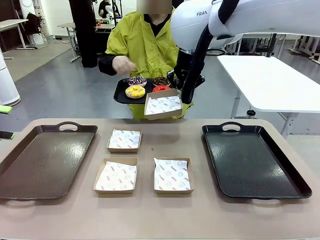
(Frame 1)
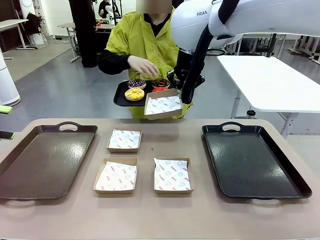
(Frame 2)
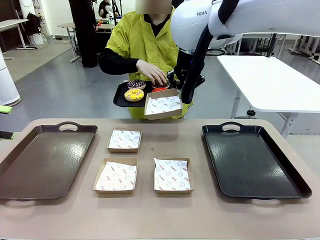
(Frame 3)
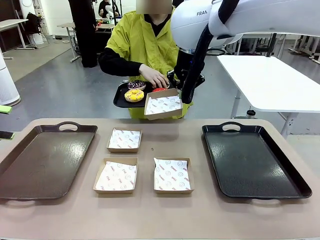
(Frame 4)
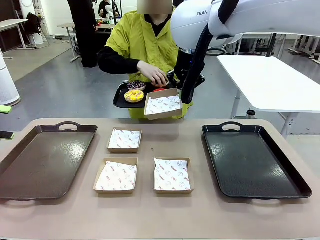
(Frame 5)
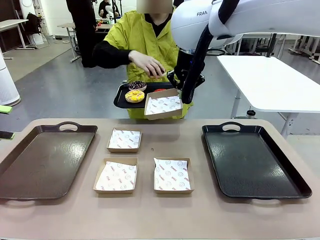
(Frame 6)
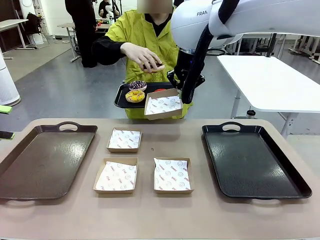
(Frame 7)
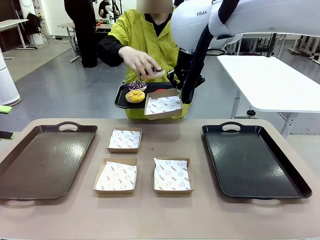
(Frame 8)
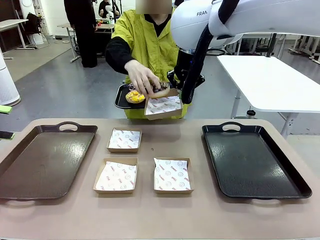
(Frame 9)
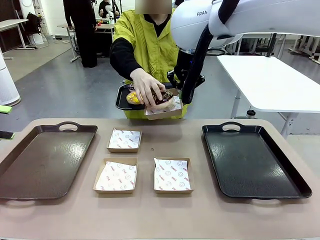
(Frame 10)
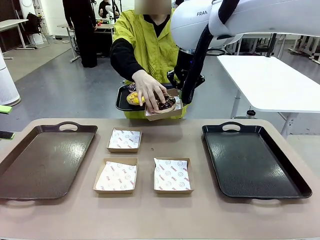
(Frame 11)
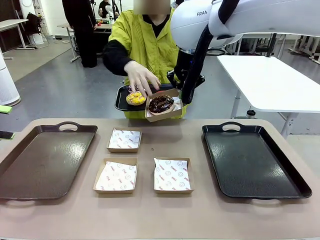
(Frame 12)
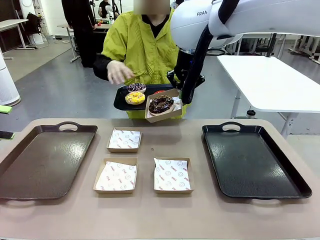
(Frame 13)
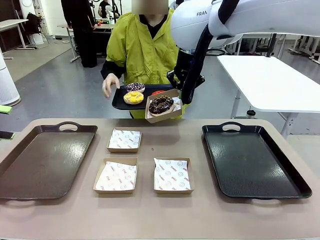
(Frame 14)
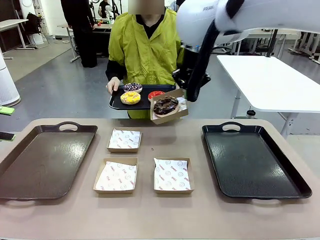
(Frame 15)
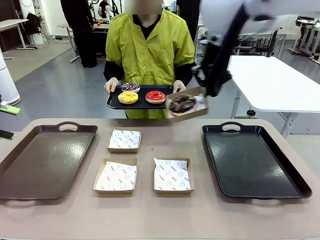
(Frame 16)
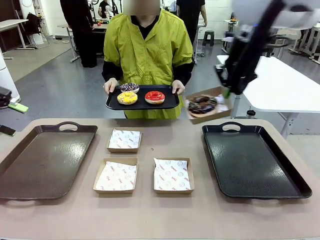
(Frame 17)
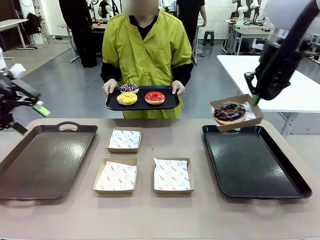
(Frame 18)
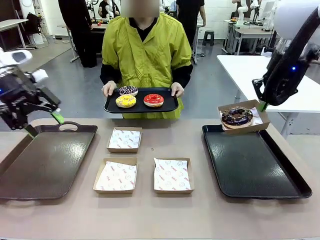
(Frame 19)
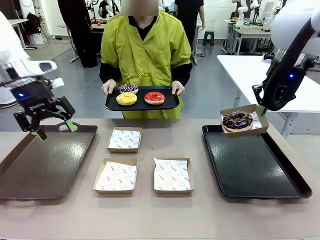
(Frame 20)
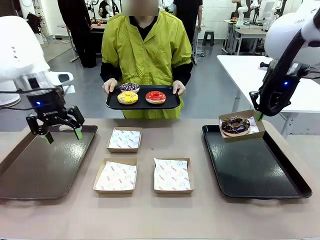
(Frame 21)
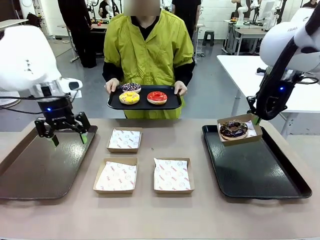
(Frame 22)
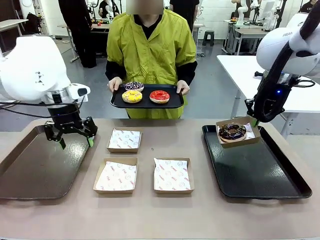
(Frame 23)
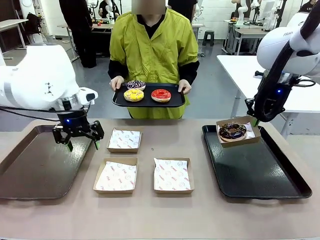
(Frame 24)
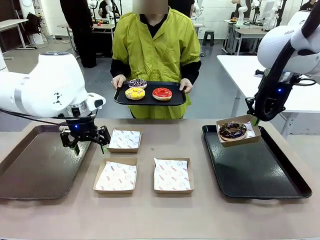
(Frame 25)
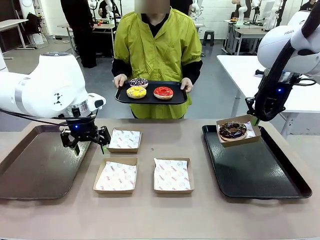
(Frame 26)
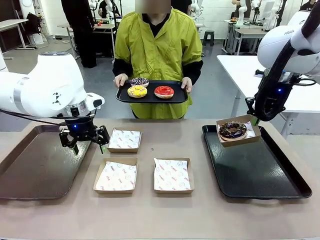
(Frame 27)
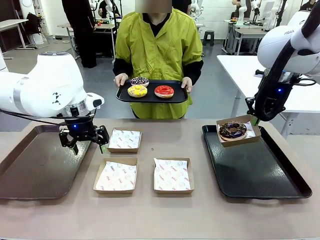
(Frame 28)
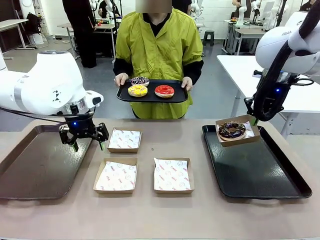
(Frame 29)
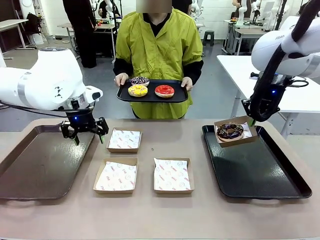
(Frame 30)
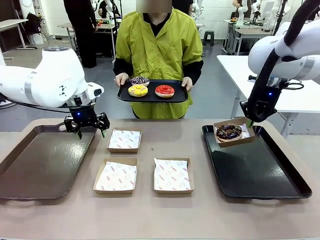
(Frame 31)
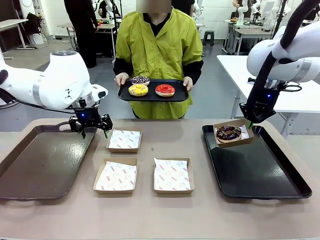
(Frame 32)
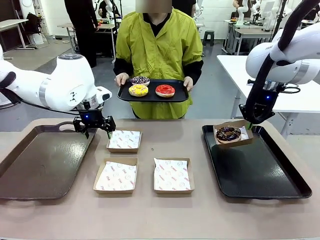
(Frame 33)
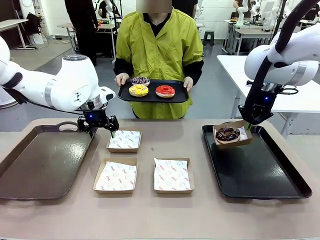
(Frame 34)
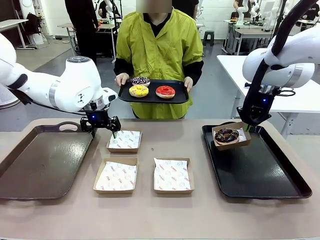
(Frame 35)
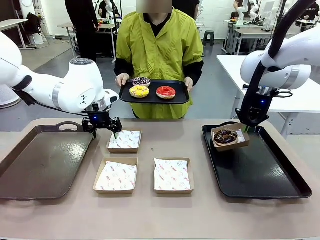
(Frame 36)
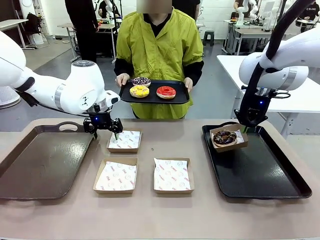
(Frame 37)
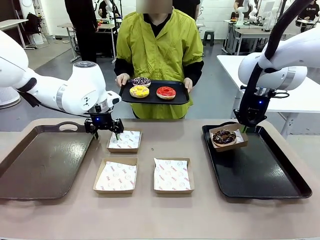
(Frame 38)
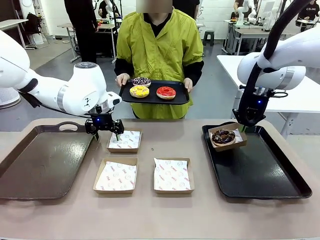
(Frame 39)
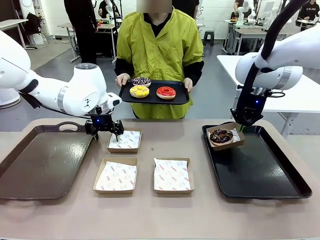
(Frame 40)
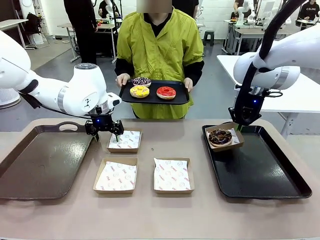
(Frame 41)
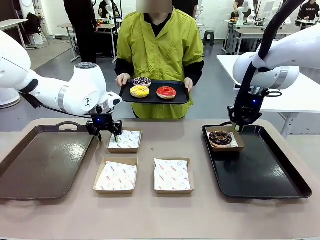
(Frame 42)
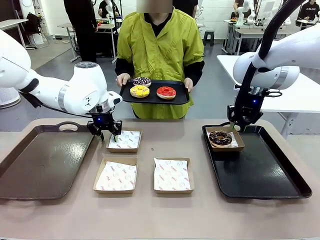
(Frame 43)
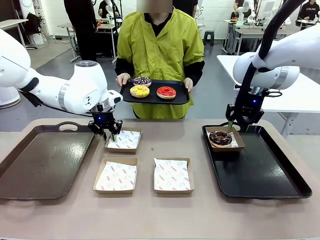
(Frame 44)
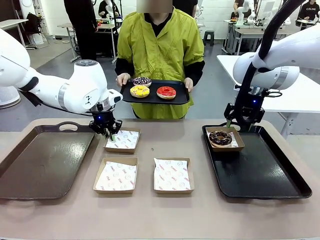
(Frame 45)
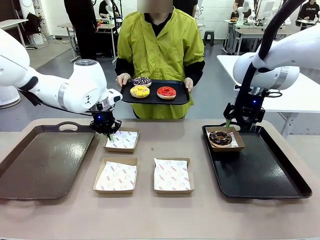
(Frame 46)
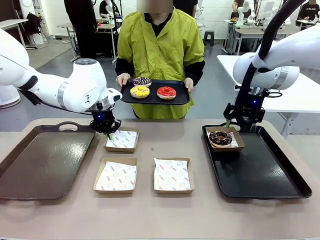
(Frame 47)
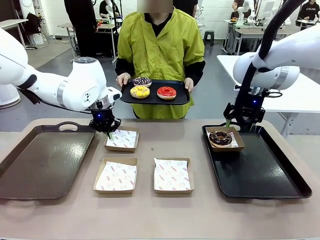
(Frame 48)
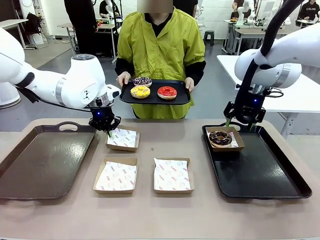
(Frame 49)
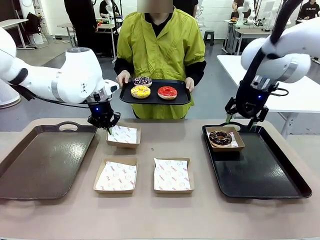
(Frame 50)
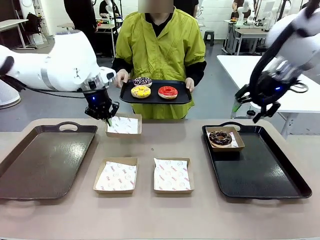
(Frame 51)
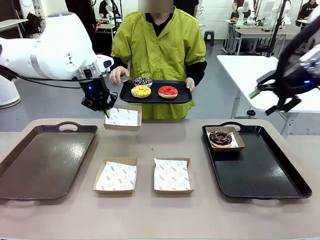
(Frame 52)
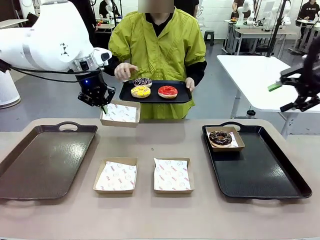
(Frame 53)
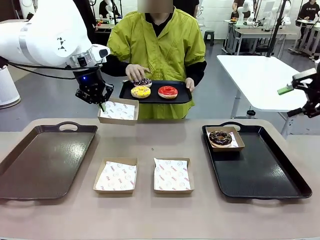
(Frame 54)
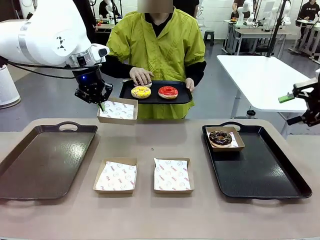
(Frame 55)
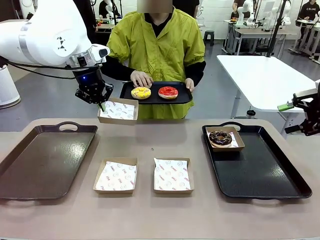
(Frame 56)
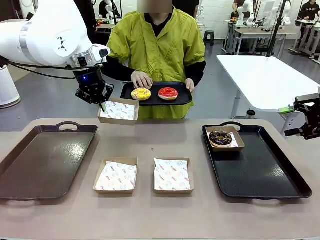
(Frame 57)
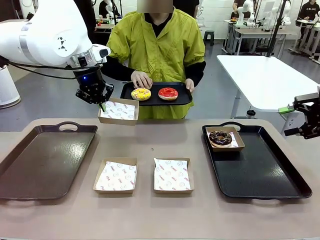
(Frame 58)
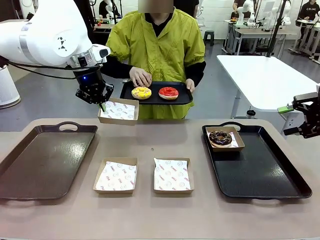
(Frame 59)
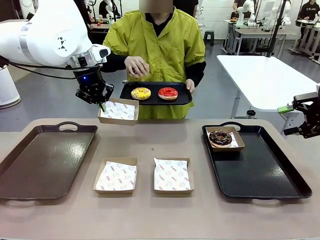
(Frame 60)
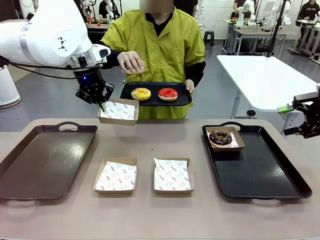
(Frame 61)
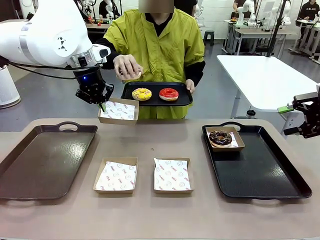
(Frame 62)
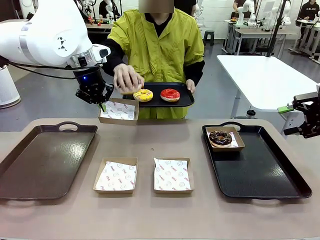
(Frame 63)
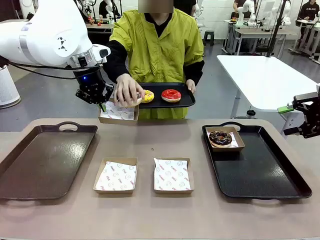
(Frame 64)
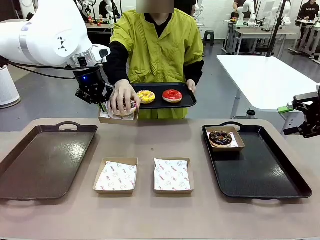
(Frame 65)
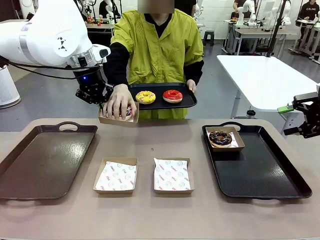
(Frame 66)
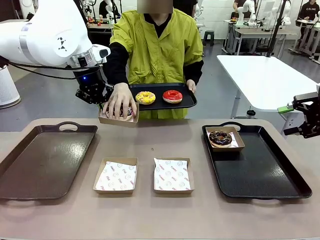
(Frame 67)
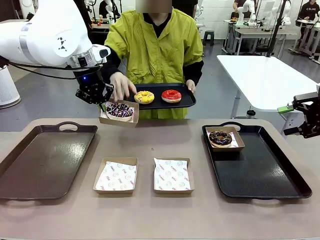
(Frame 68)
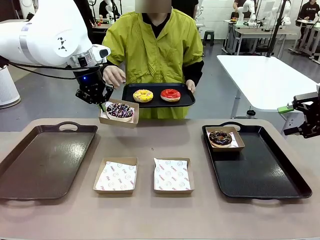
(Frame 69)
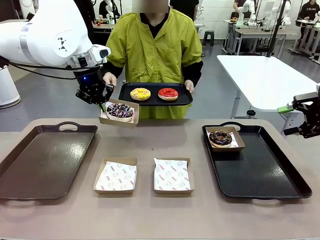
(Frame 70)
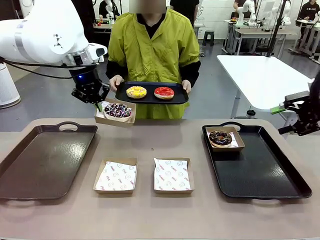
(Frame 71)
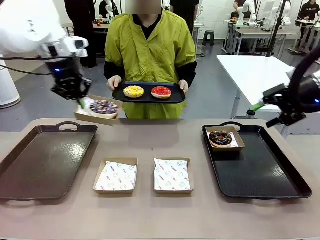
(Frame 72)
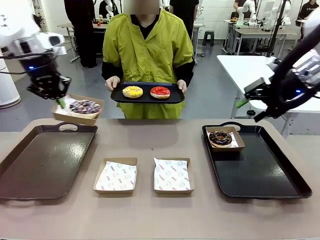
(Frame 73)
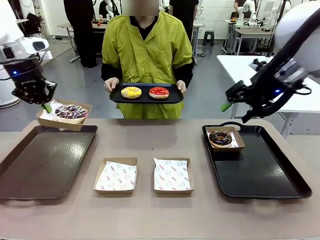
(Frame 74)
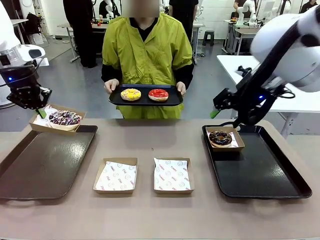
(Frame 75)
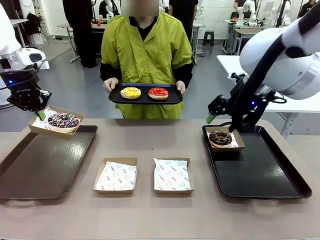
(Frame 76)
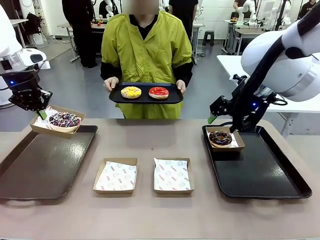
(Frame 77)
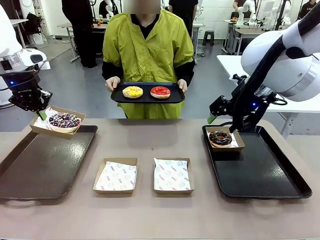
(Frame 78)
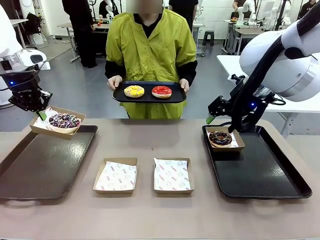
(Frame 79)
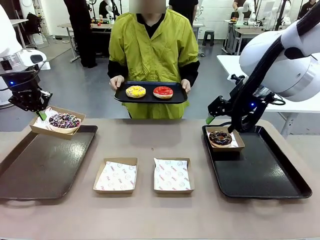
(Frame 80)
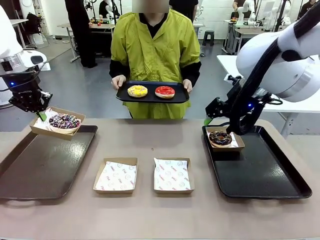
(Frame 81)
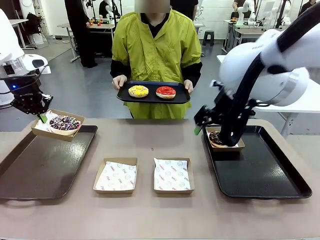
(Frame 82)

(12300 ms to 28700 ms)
Task: Individually package the donuts and arrange them on the tray.
Robot: Place the picked Paper togo box on the Handle tray while simultaneously picking up another Paper togo box from the table with the other hand.
